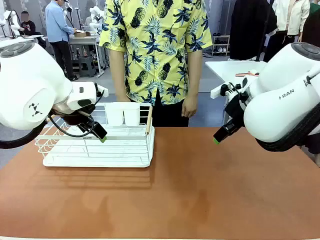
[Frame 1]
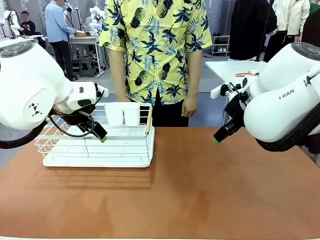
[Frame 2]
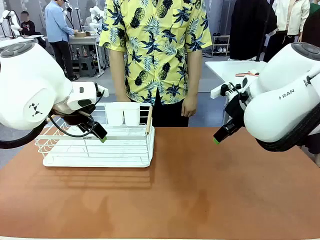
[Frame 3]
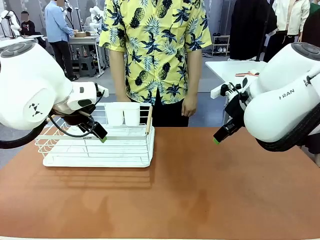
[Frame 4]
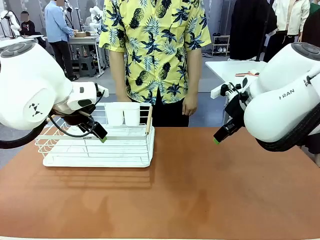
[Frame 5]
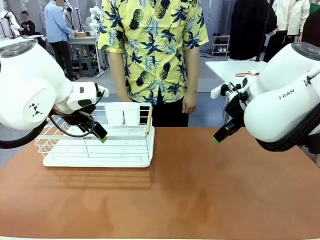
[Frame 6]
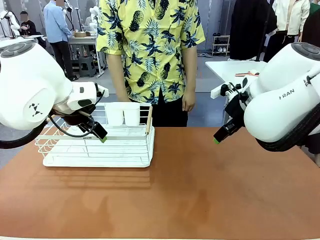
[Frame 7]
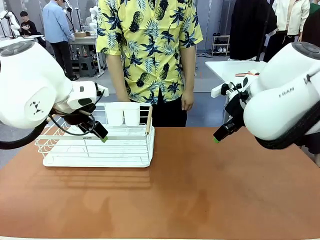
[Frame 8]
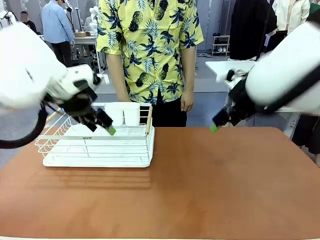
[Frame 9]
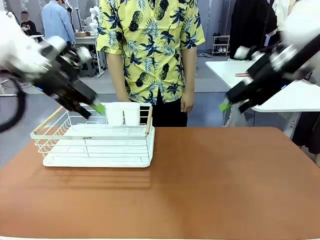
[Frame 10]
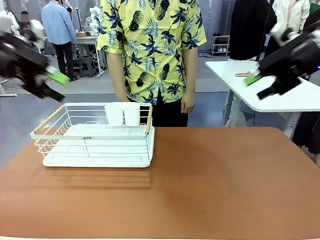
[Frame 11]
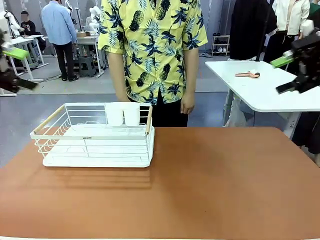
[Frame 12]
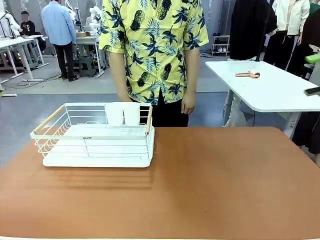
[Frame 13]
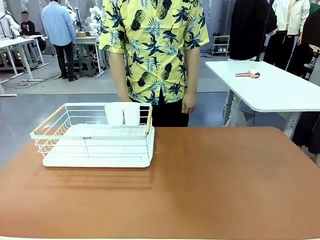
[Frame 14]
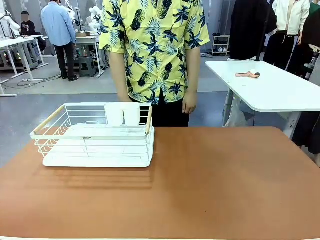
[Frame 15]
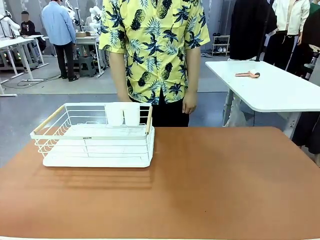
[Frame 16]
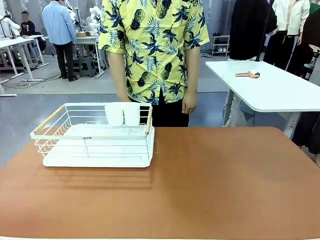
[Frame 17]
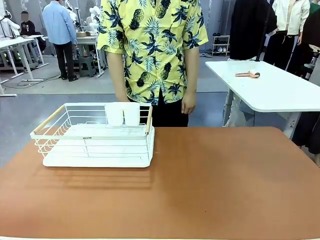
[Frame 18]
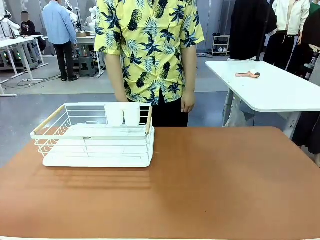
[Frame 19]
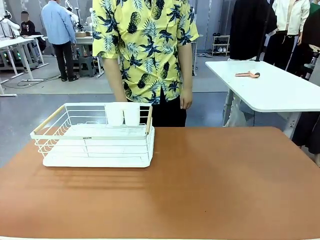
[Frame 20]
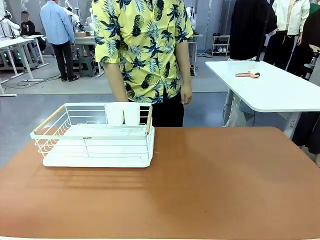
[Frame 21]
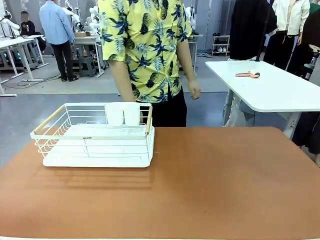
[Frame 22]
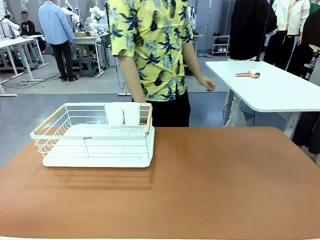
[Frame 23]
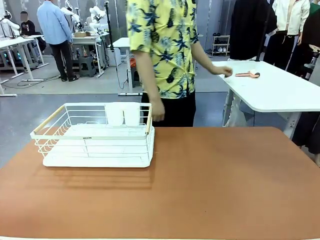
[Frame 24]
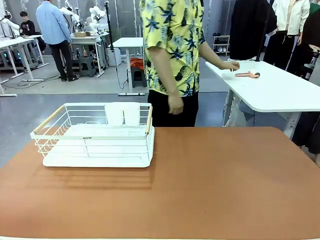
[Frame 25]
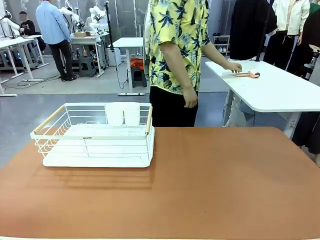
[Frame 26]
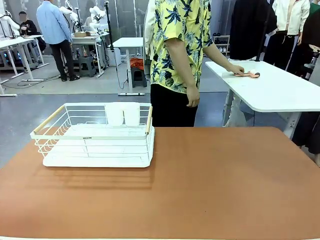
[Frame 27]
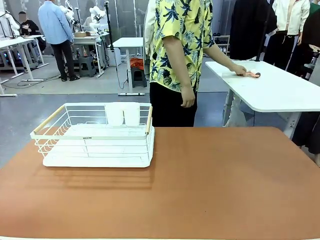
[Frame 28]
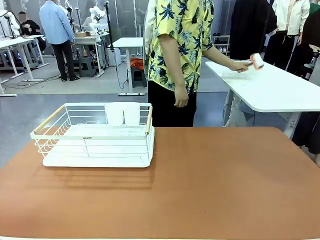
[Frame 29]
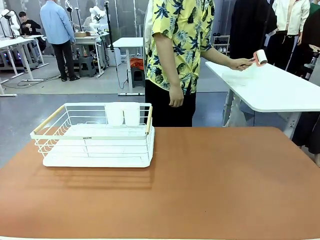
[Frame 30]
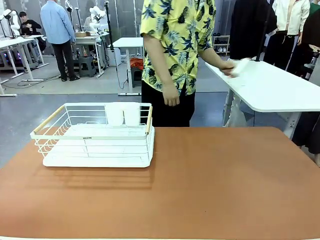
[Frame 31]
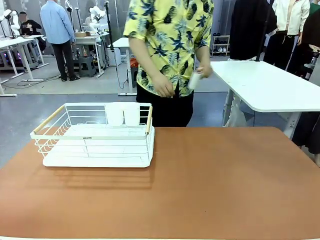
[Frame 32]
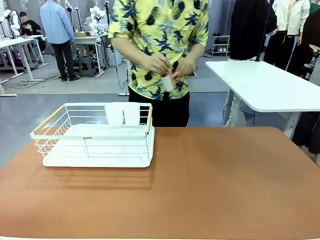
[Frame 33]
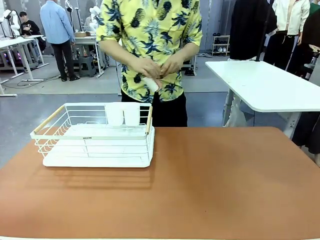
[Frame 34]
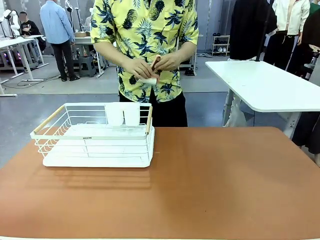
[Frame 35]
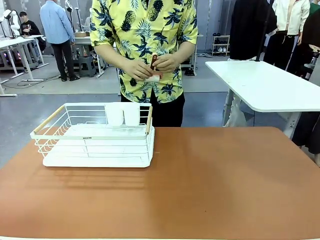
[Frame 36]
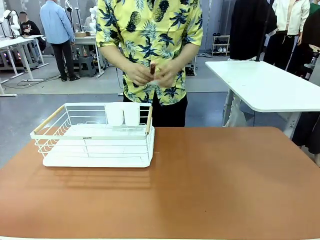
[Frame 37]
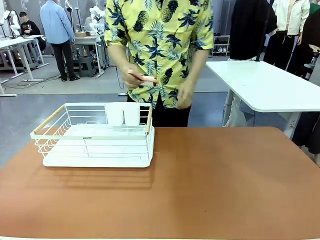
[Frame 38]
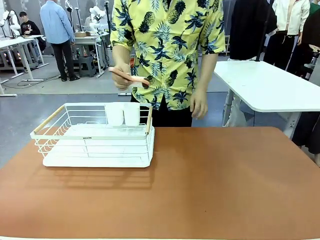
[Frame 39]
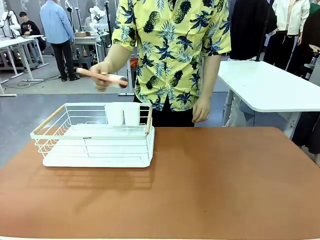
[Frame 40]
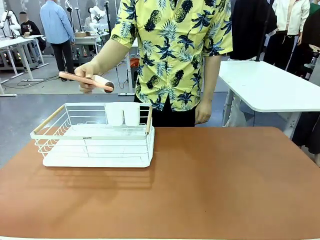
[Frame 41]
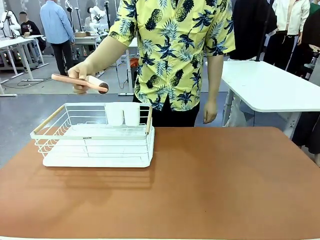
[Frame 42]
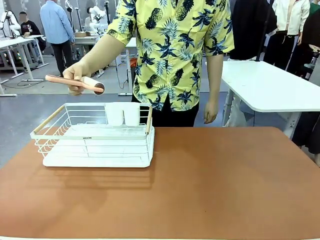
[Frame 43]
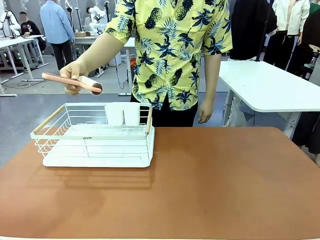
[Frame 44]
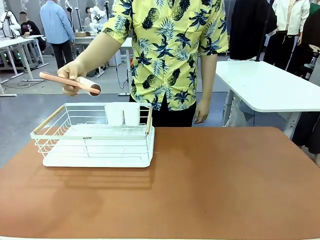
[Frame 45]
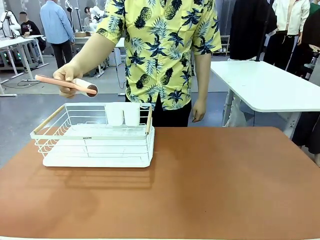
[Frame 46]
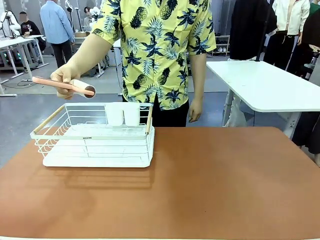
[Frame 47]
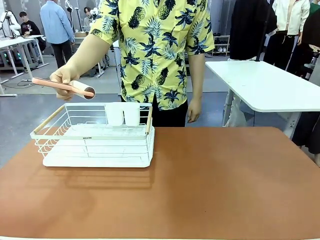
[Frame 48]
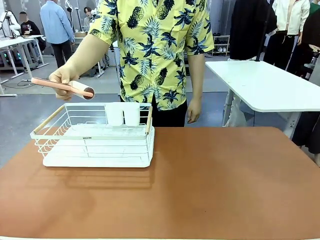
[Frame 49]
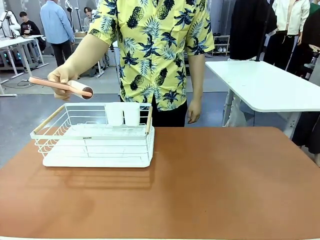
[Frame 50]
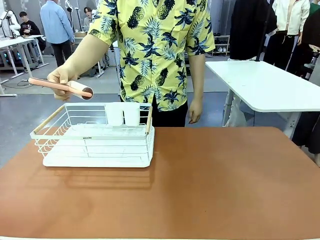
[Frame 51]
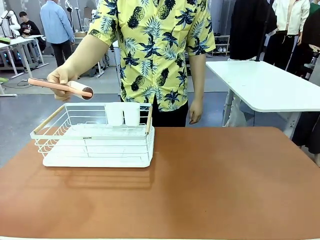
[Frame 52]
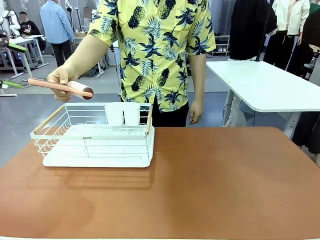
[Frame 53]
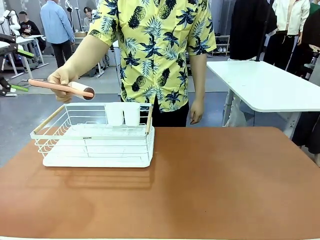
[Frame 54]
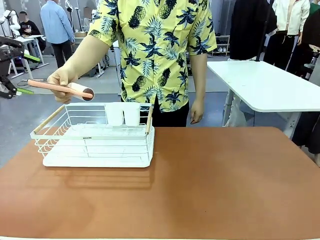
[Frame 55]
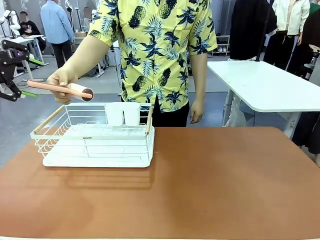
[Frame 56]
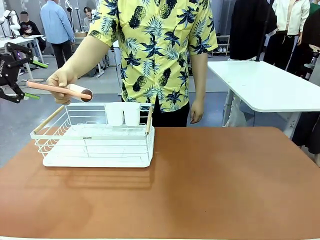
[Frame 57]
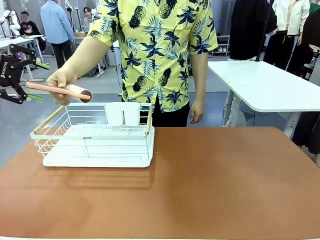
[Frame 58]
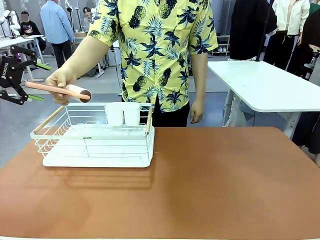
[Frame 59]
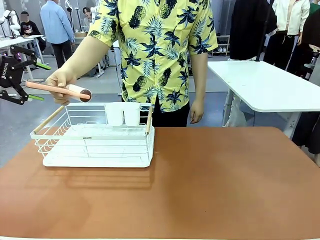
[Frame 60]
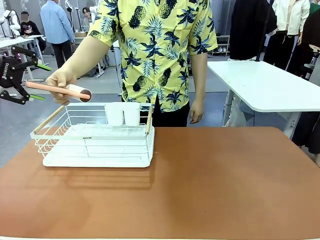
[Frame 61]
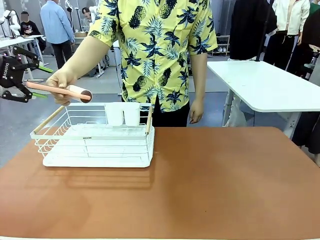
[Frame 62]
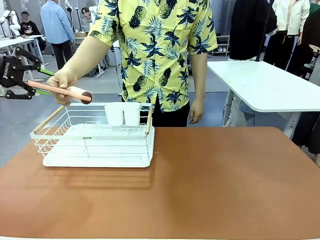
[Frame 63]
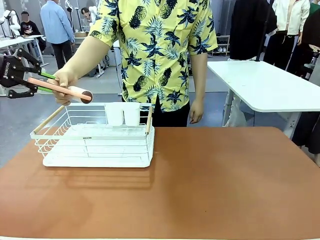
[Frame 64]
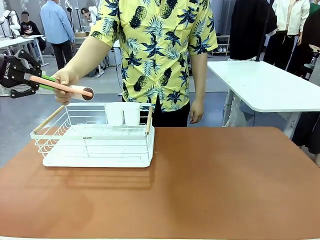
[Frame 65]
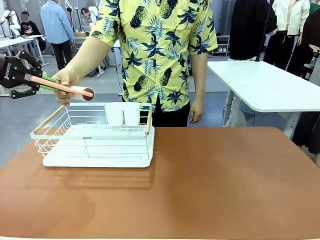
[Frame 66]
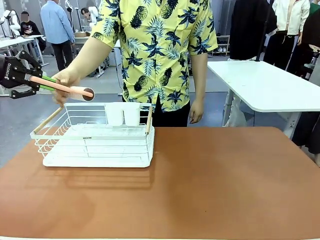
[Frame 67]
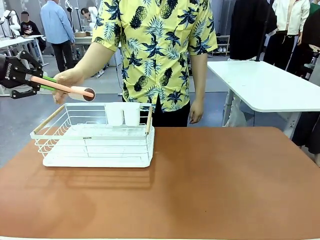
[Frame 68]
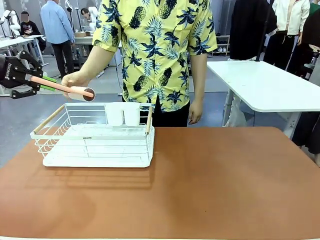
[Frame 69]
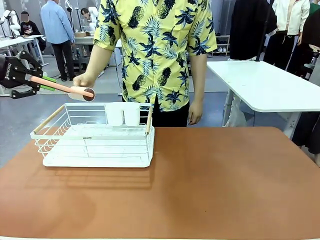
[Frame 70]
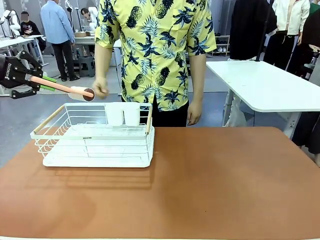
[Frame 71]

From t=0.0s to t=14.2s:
Task: Clean the table.
Robot: Pick up the Lint Roller when the human hands it over.
Person: Hand the Lint Roller to the robot so it can easily pick it up. Lift the Dish drying rack.
